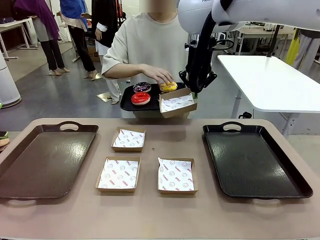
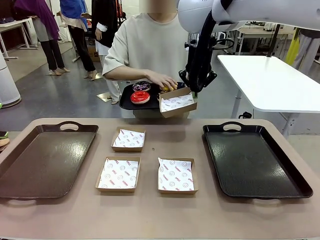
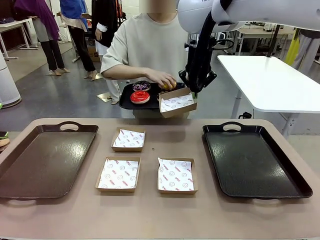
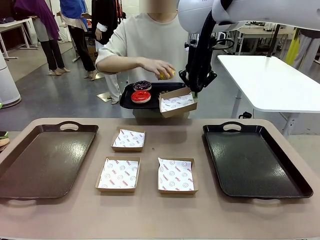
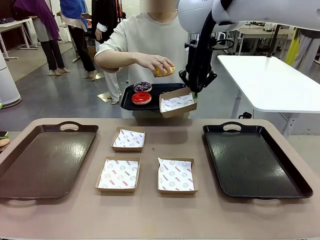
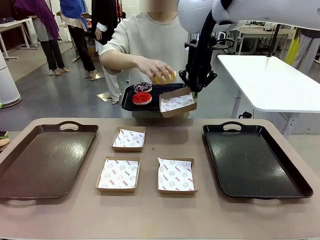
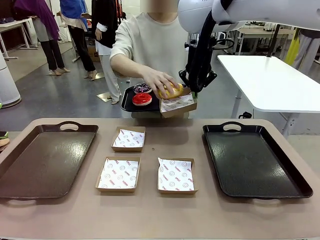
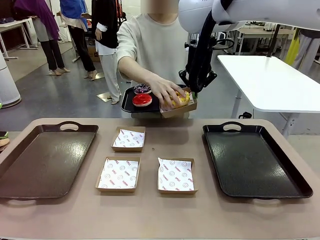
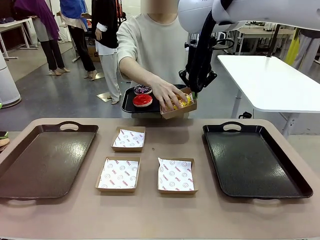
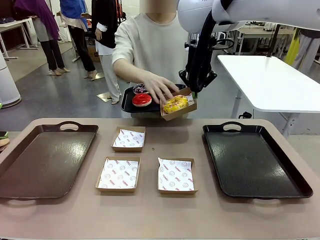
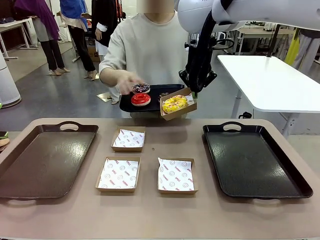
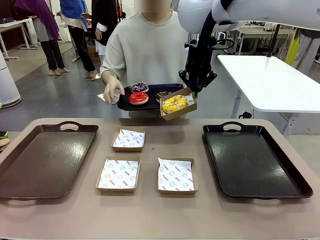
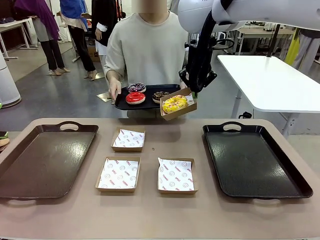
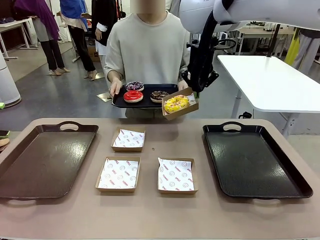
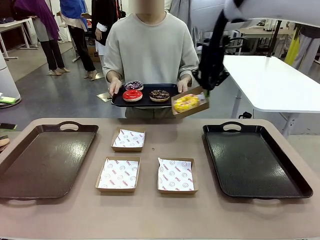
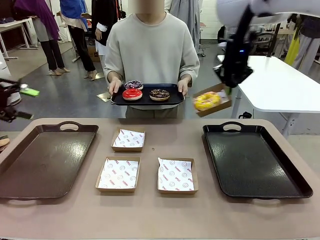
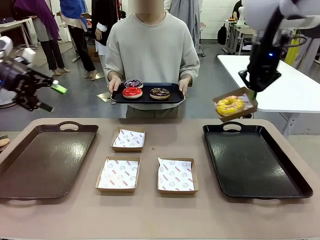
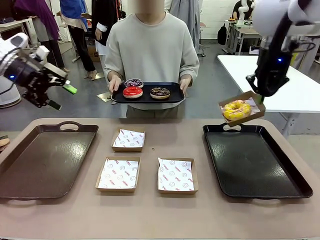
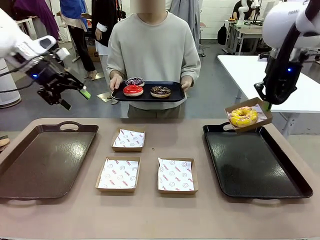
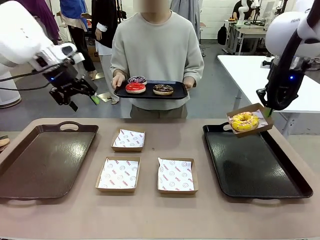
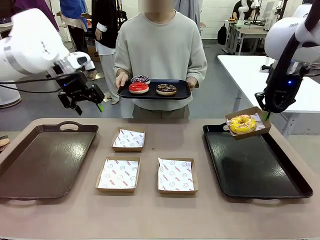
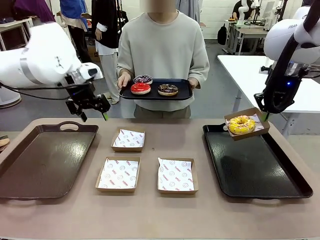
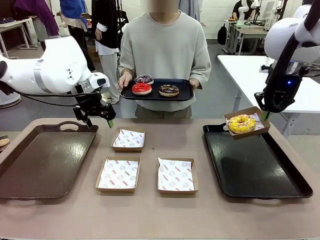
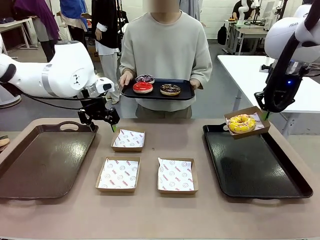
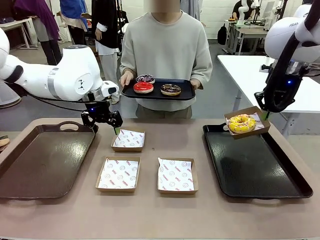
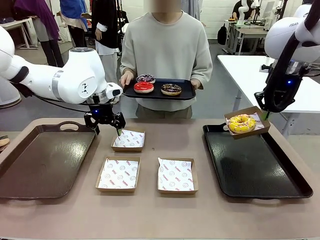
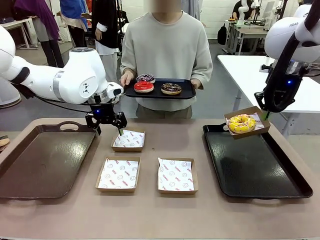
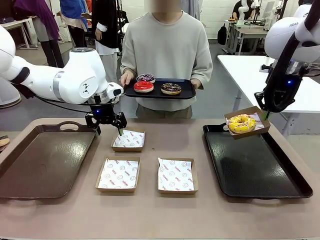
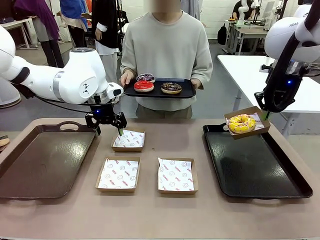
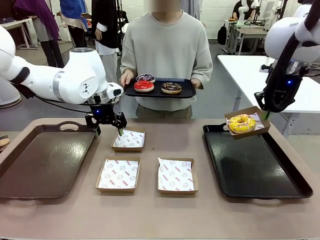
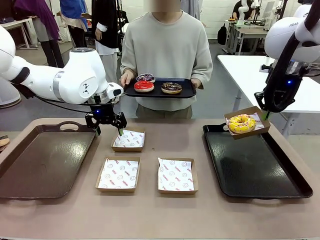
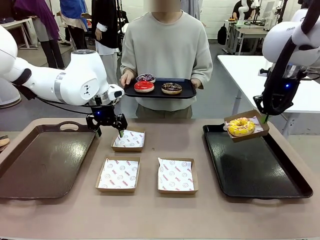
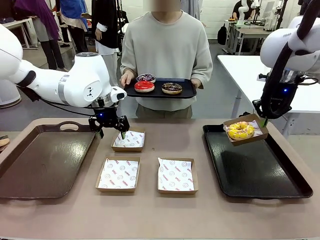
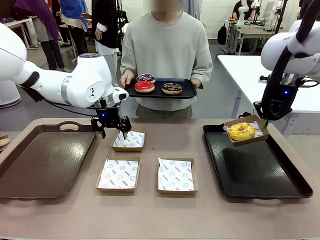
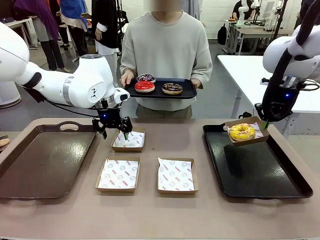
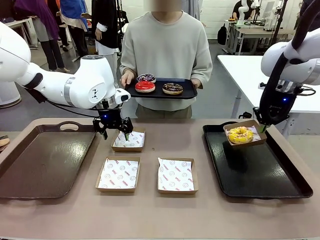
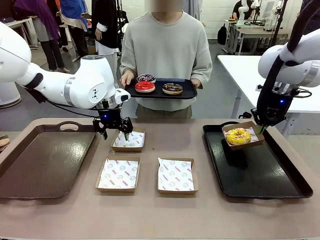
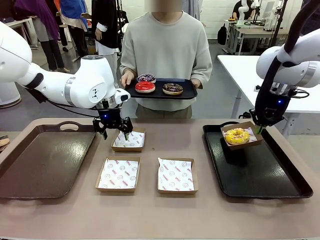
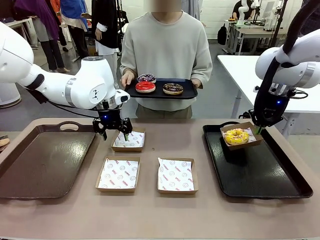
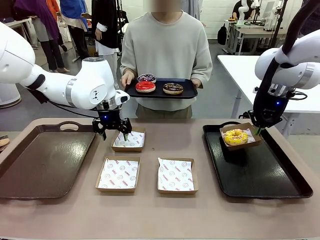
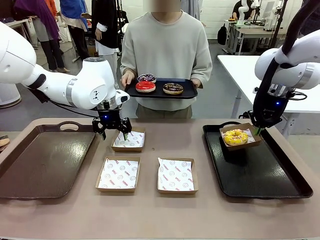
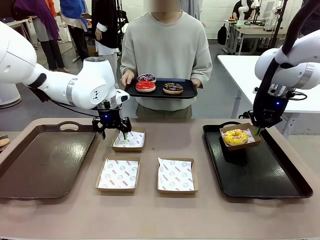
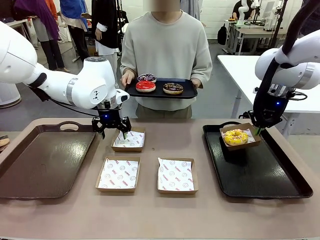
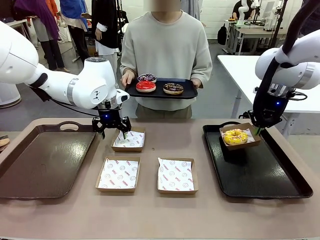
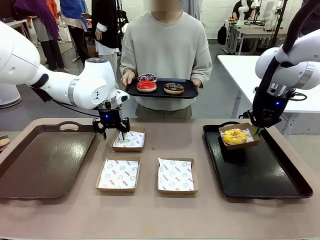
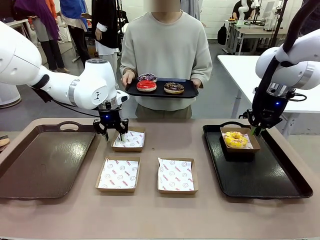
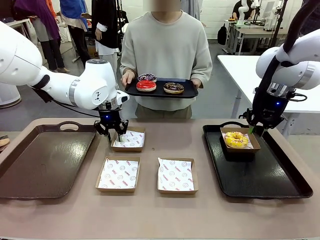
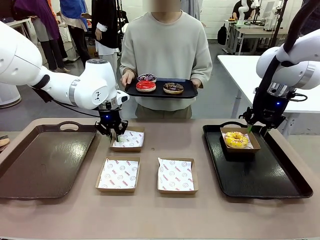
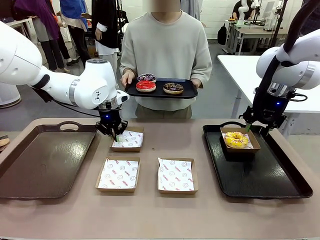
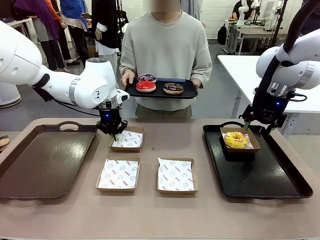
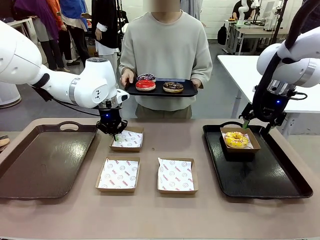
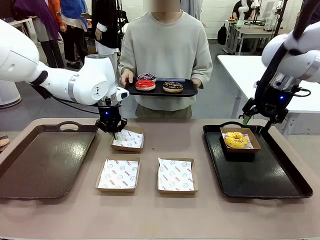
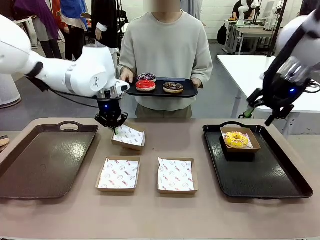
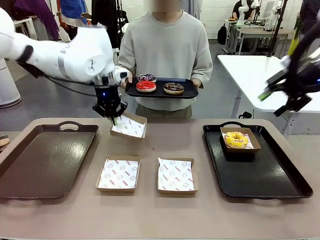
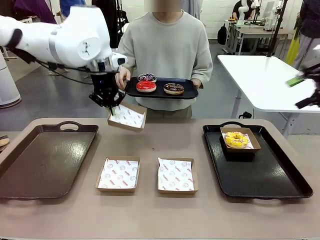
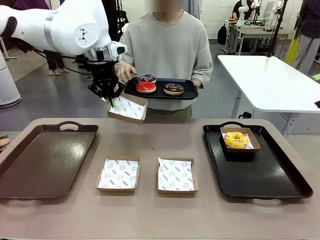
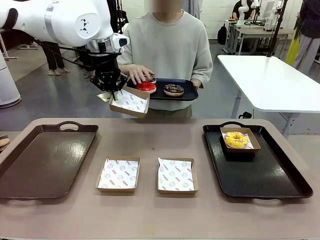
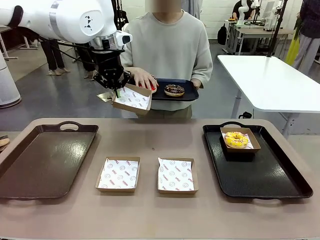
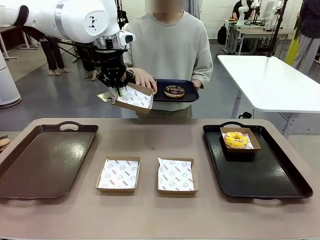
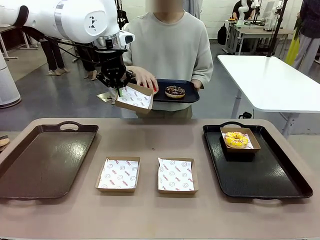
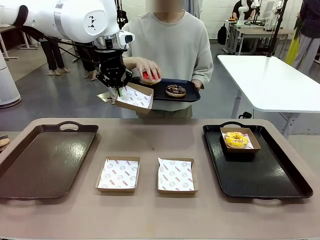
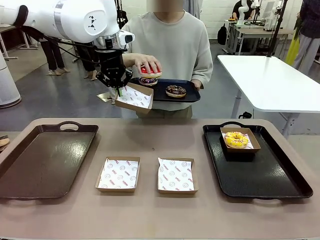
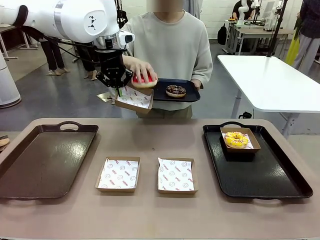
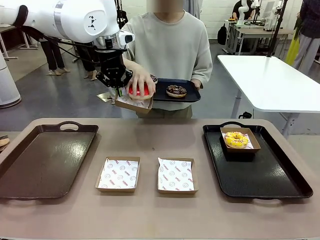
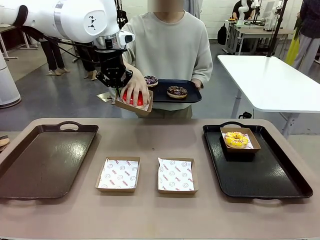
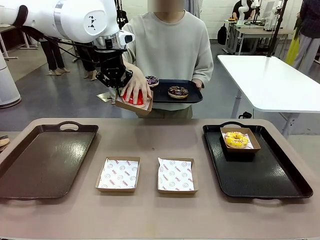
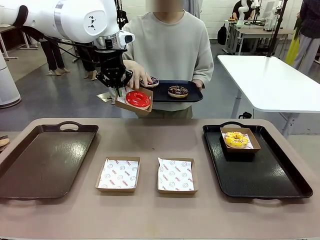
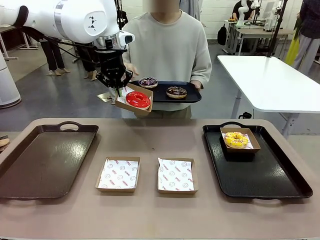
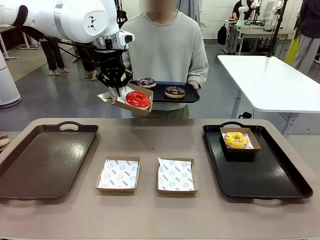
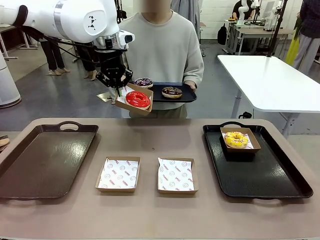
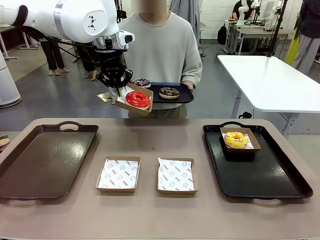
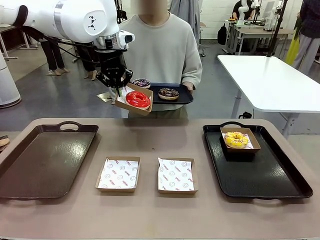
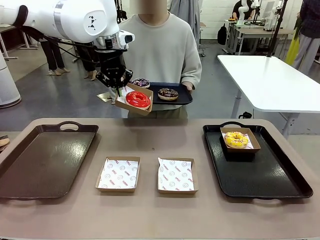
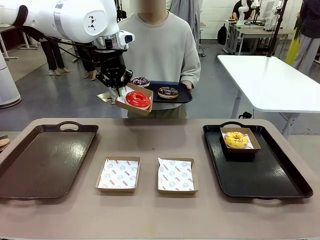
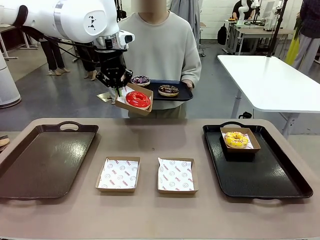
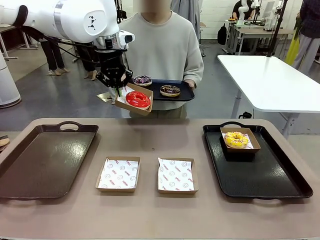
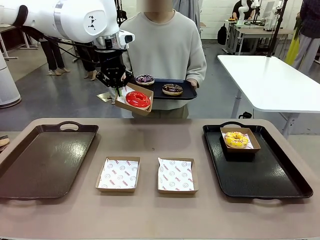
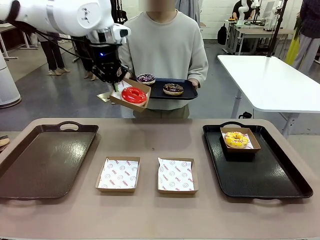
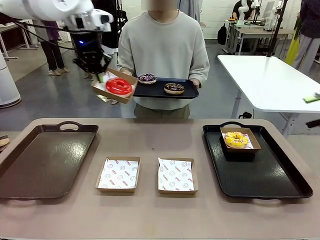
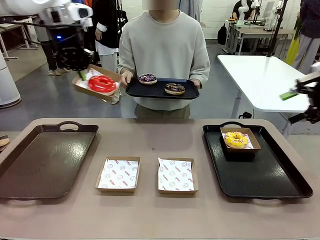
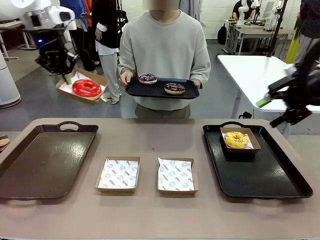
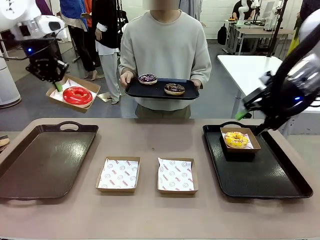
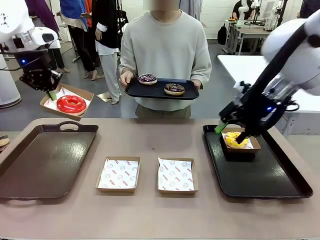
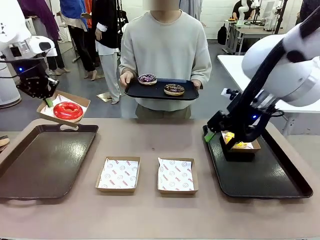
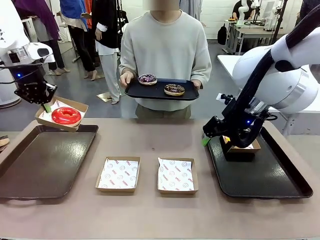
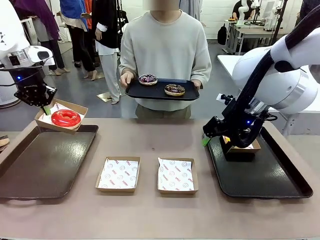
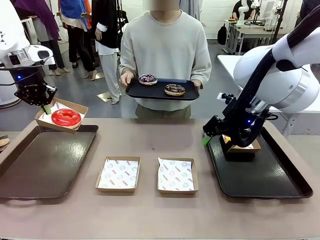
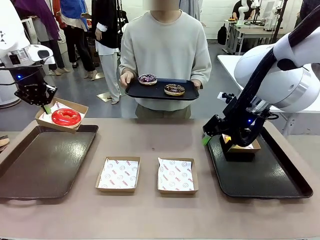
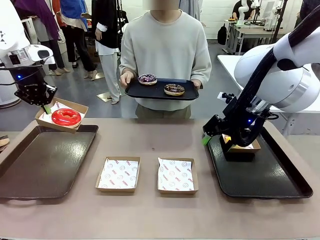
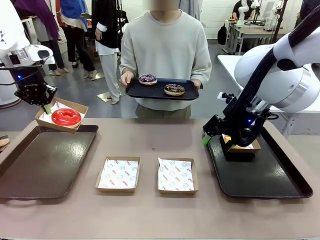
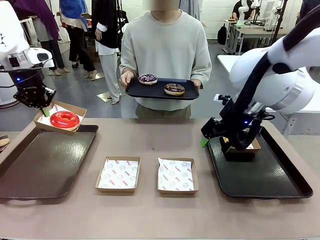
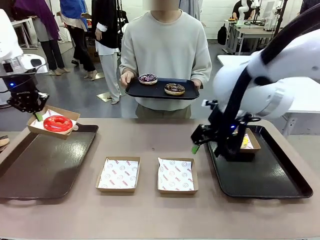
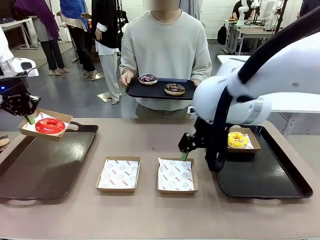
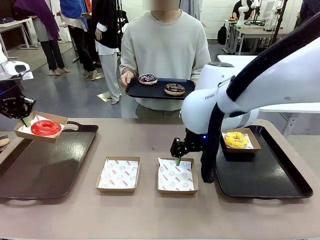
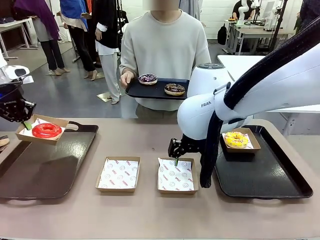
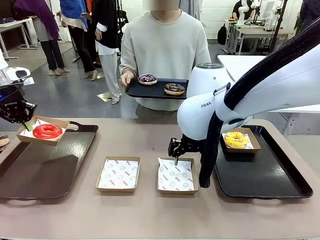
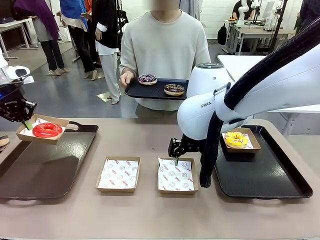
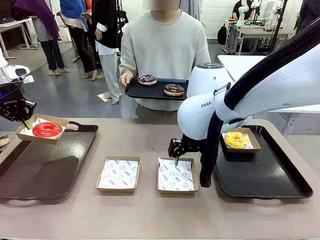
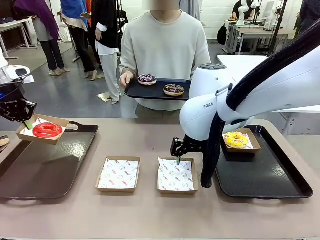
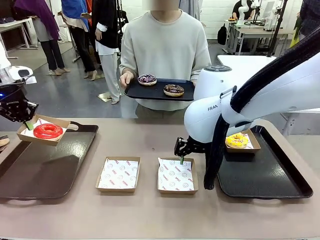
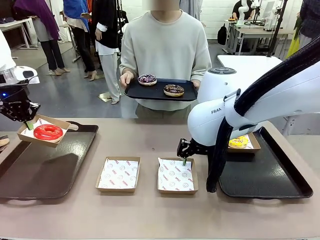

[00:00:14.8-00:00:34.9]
Task: Individually package the donuts and arrange them on the tray.
Robot: Place the picked Paper togo box on the Handle tray while simultaneously picking up another Paper togo box from the table with the other hand.
